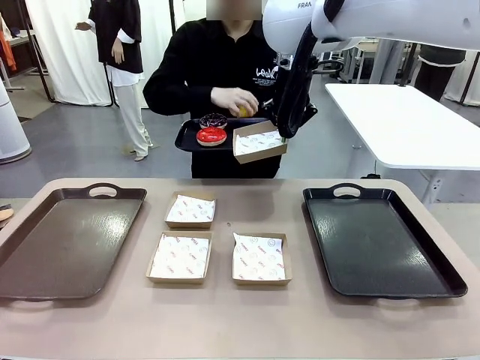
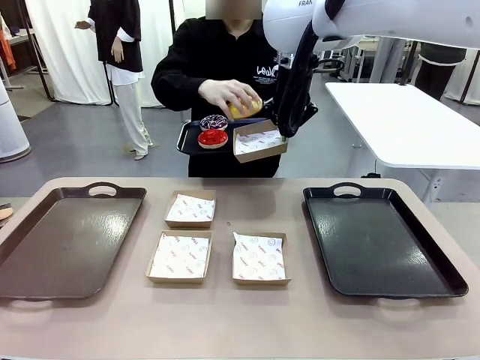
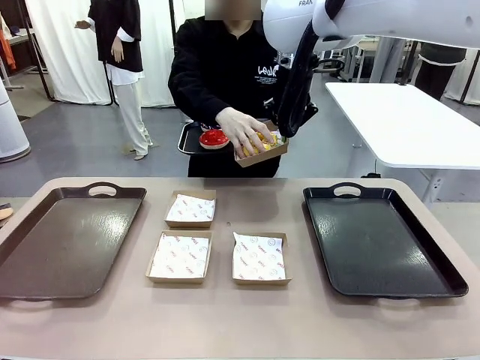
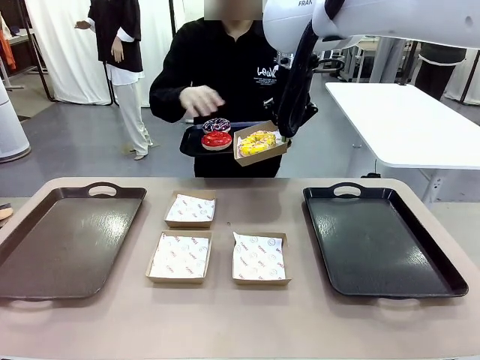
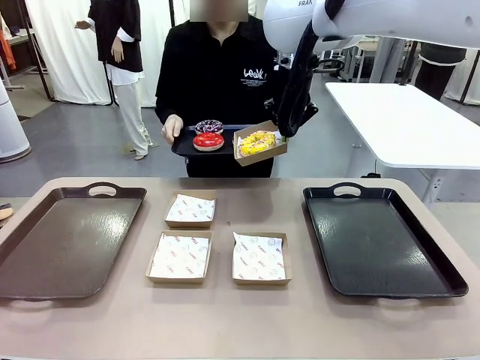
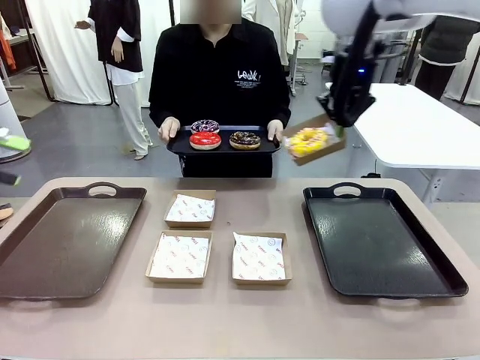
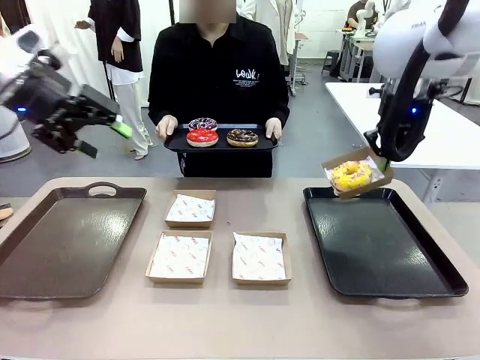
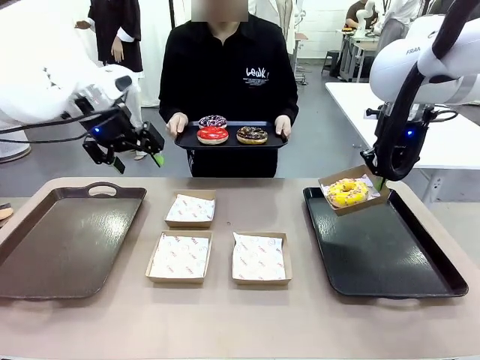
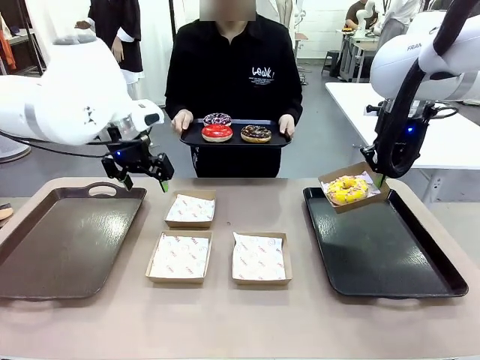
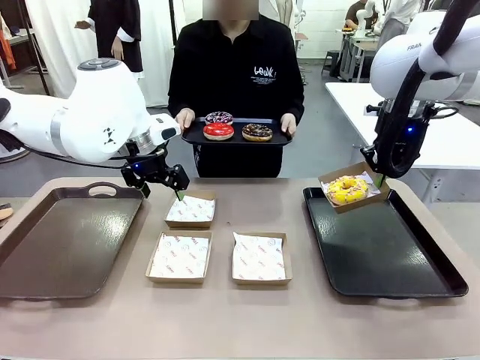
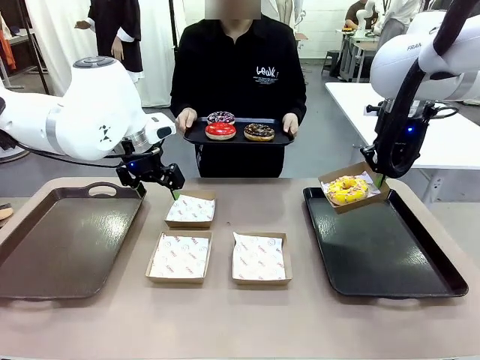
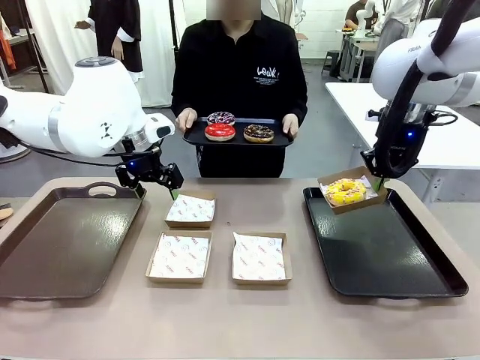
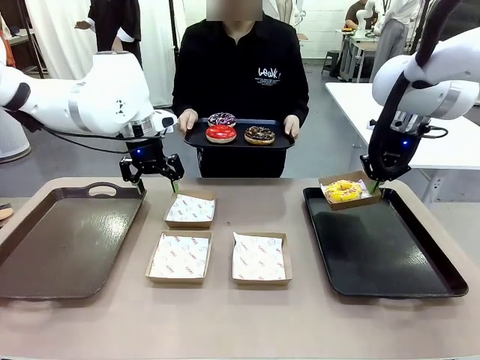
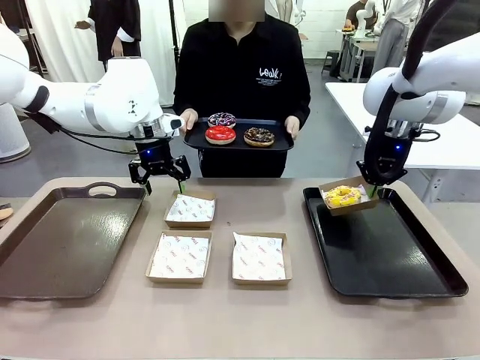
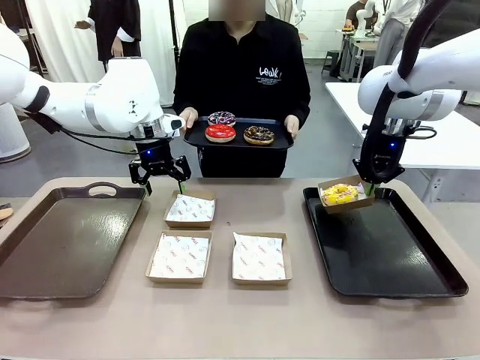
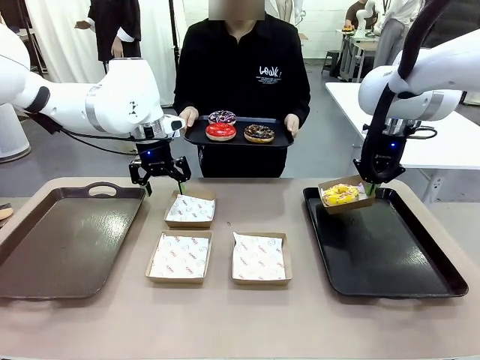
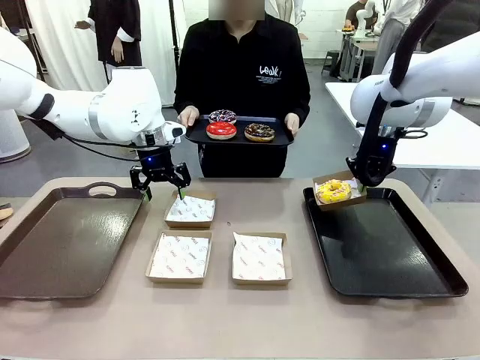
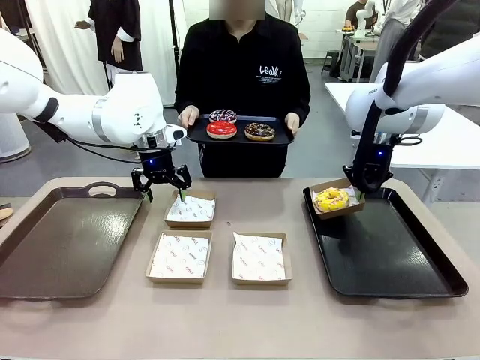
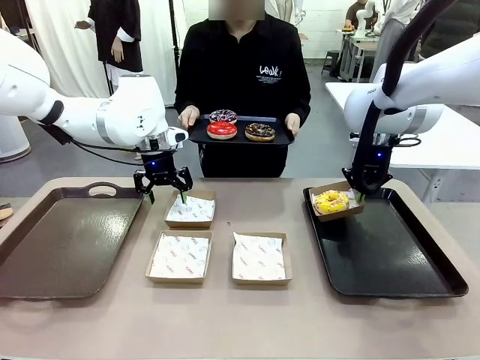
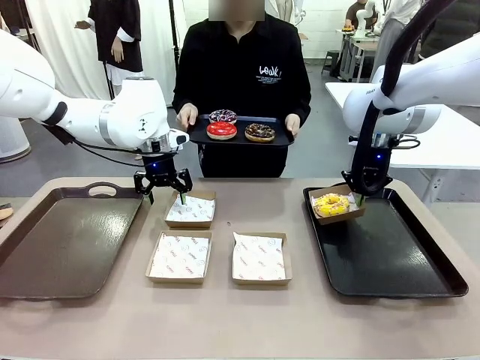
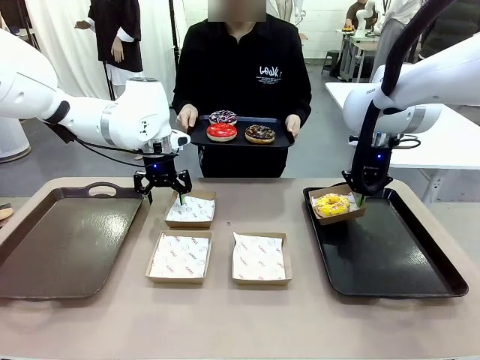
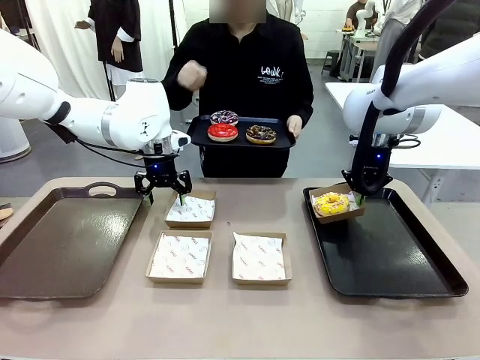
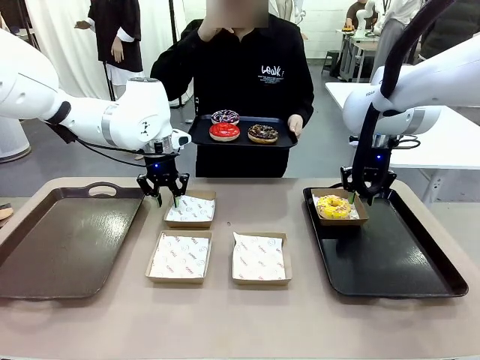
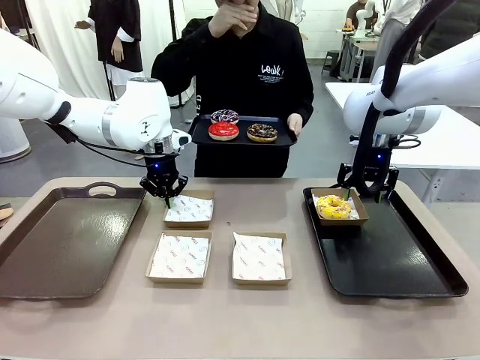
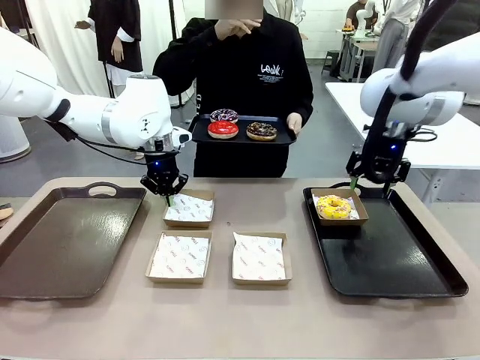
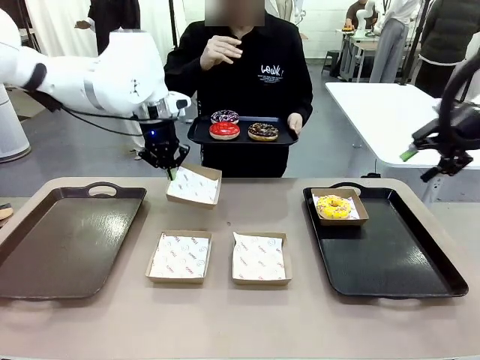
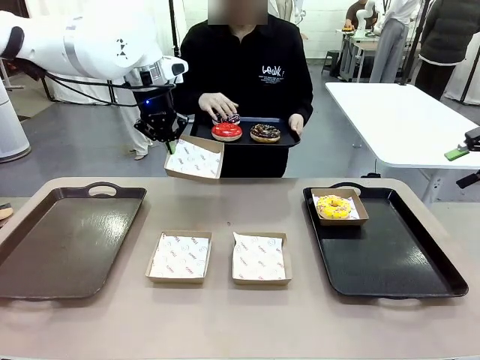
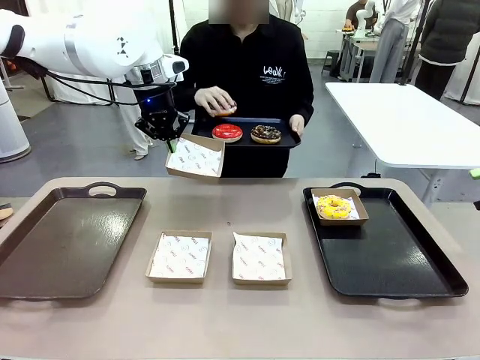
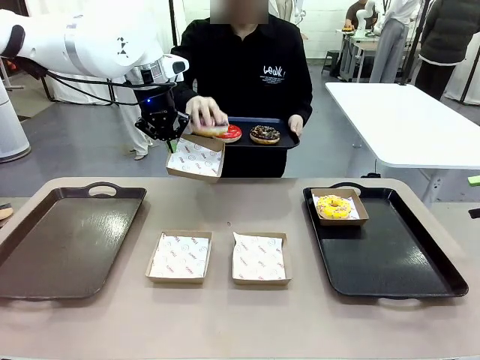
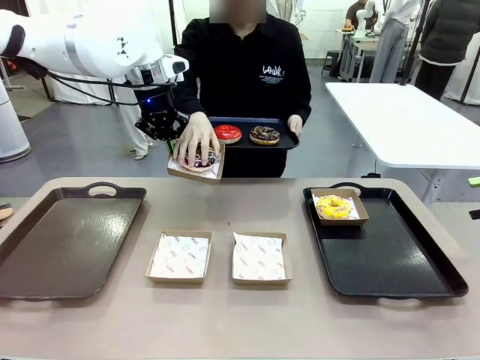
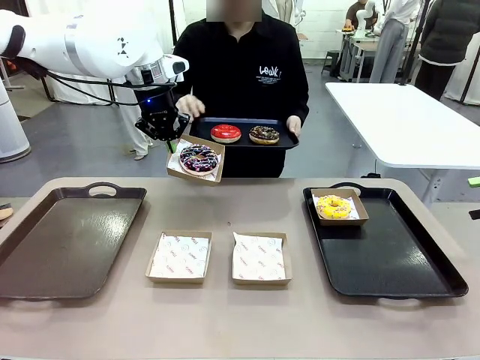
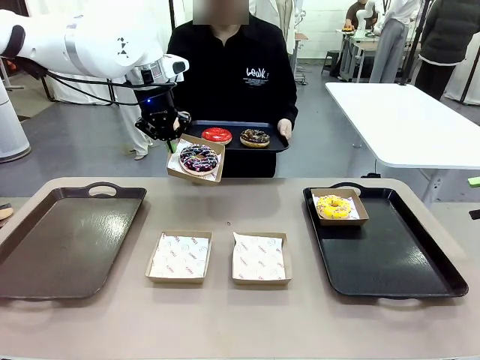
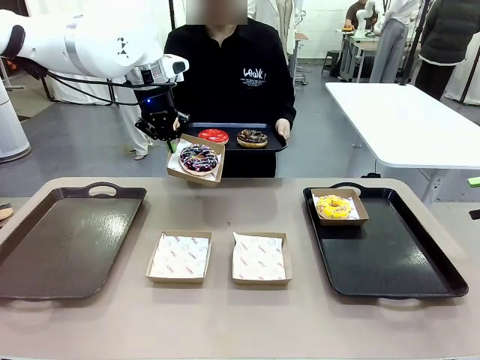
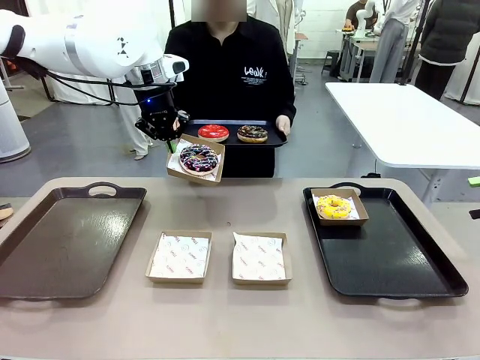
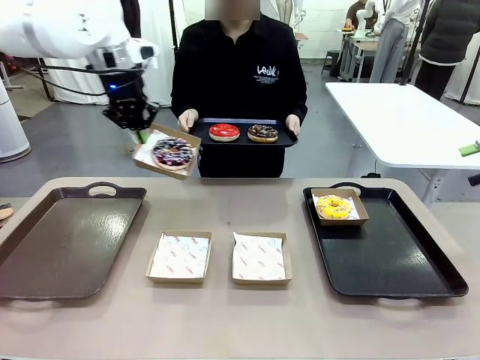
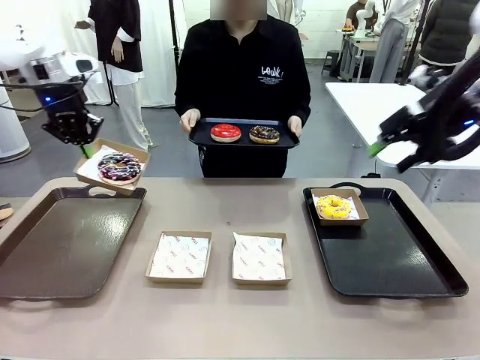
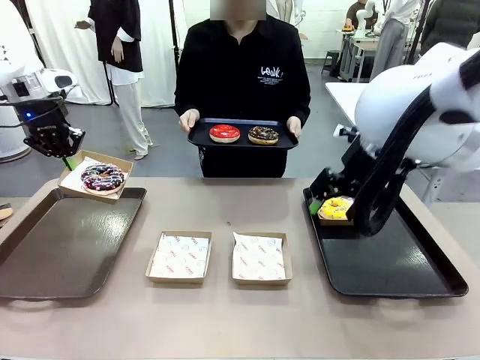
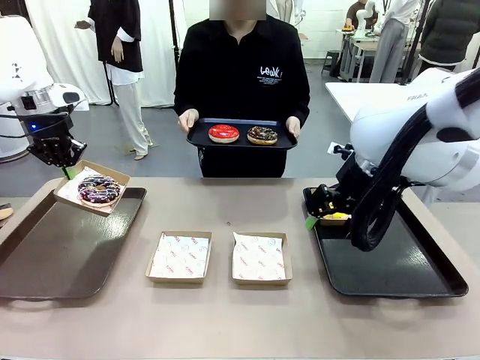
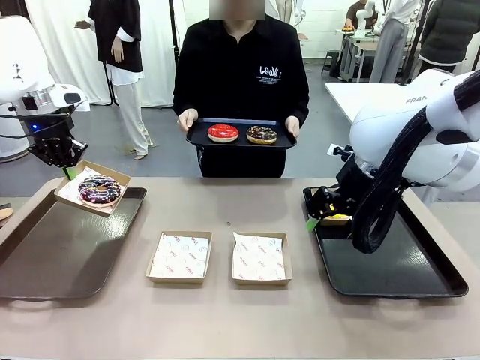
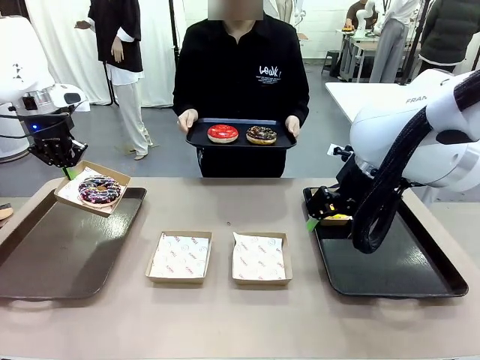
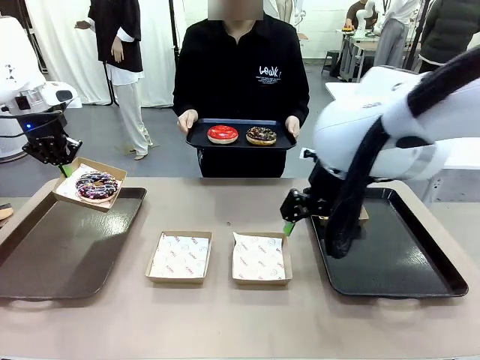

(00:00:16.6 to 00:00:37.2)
Task: Individually package the donuts and arrange them on the tray.
Robot: Place the picked Paper togo box on the Handle tray while simultaneously picking up another Paper togo box from the table with the other hand.

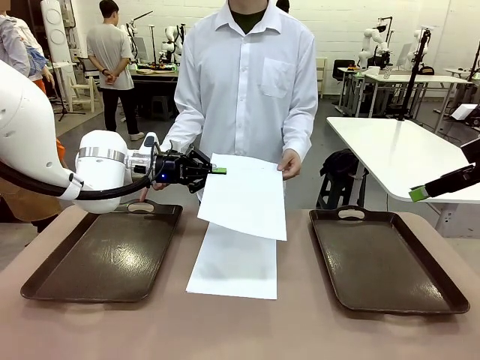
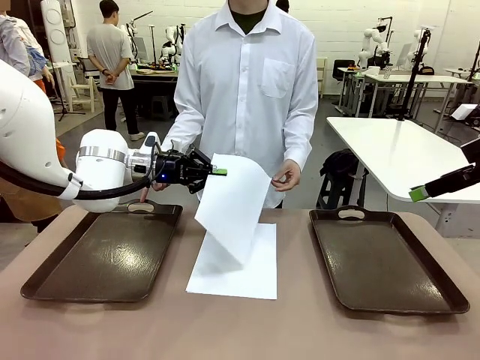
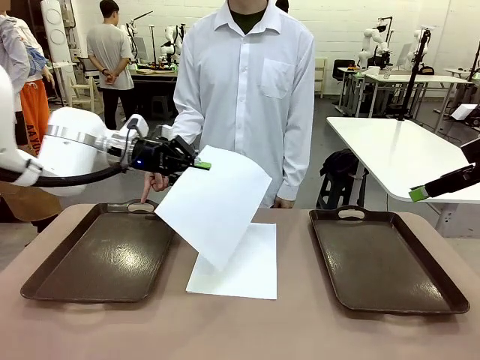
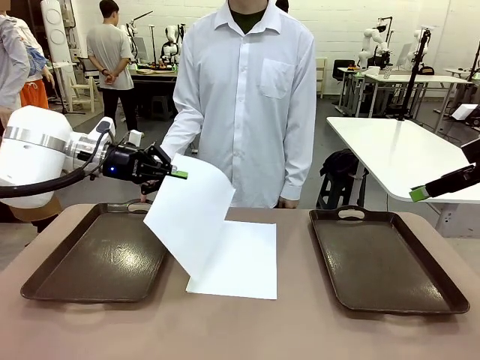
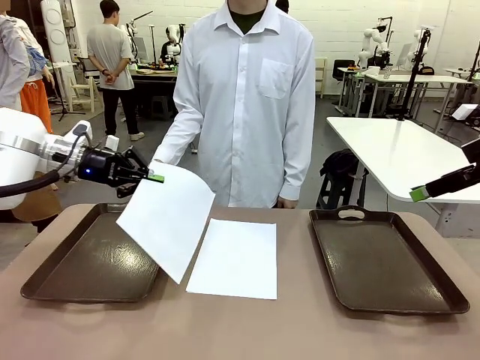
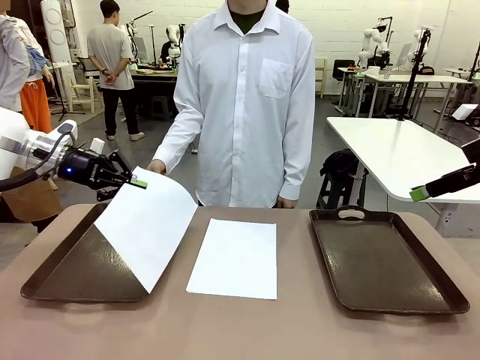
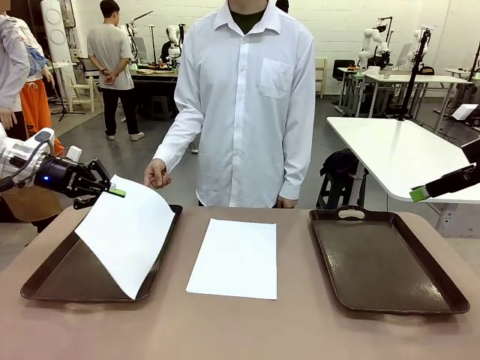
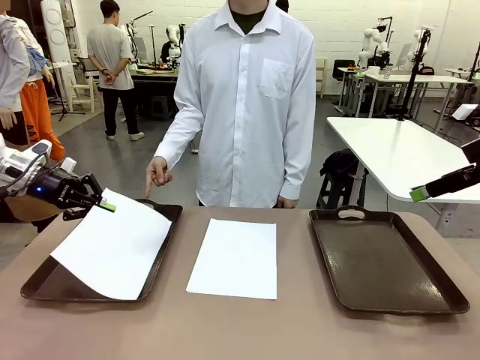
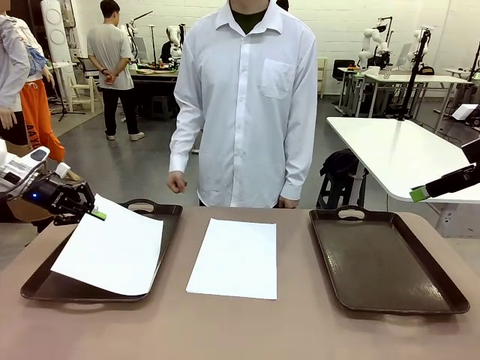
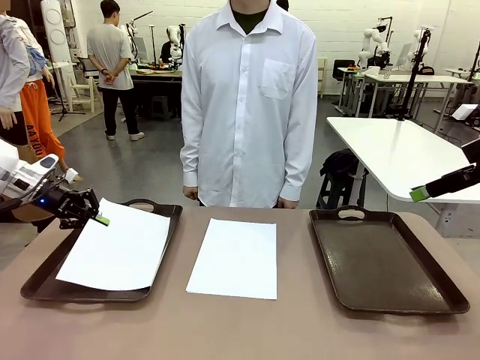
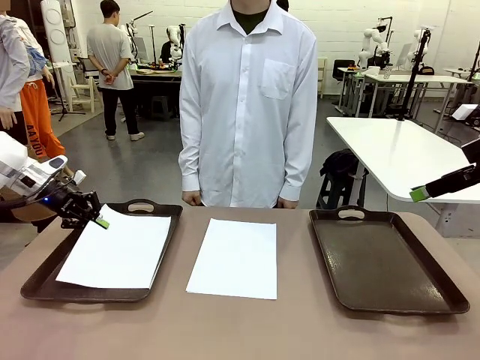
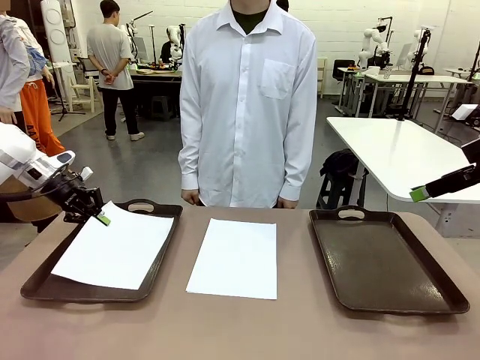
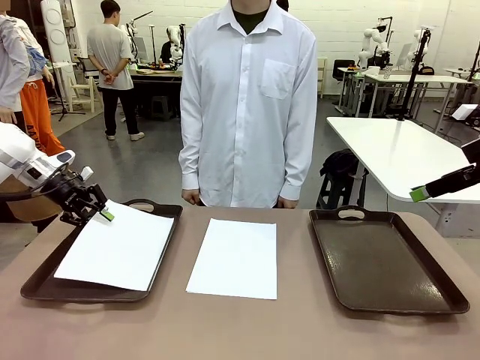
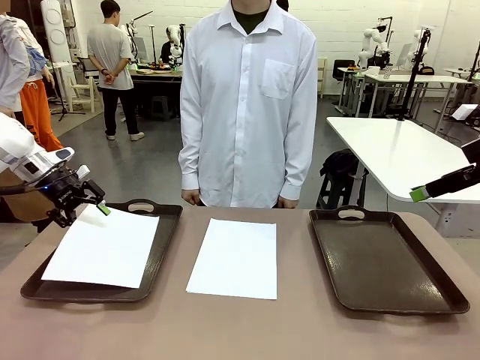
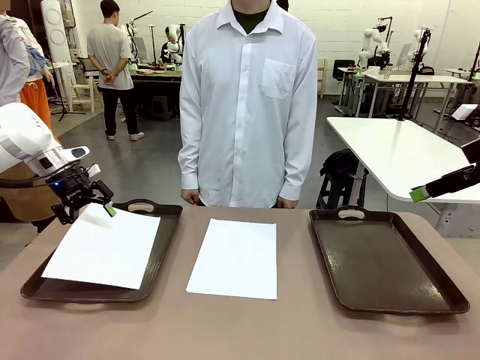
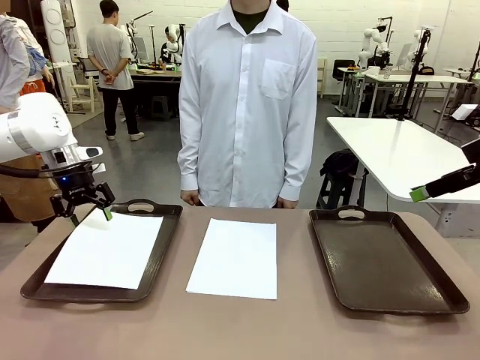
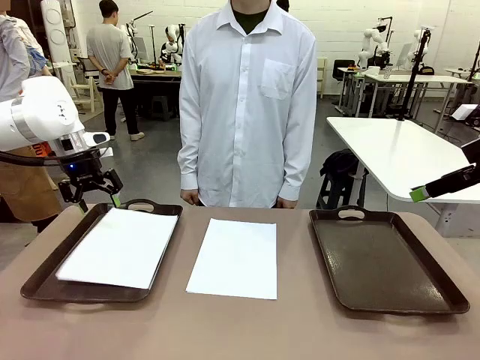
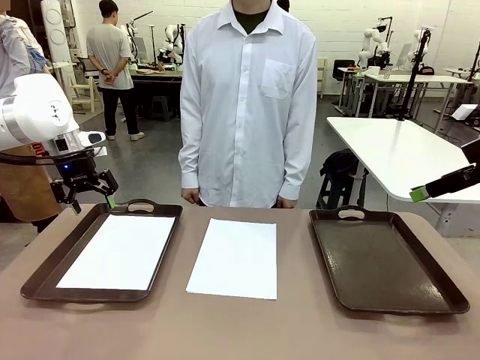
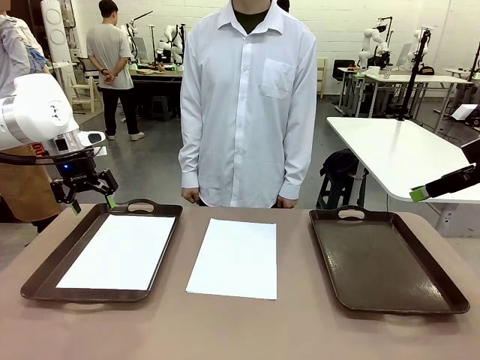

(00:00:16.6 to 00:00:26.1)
Task: Sort the A4 documents.
Robot: Place the A4 Paper in the designated Handle tray.
